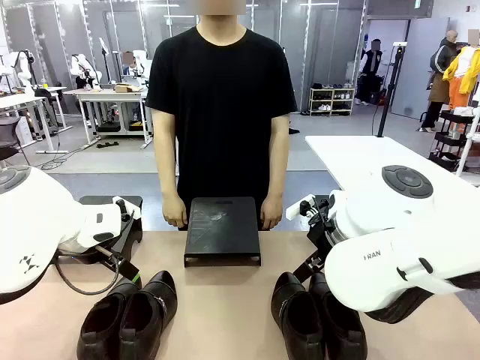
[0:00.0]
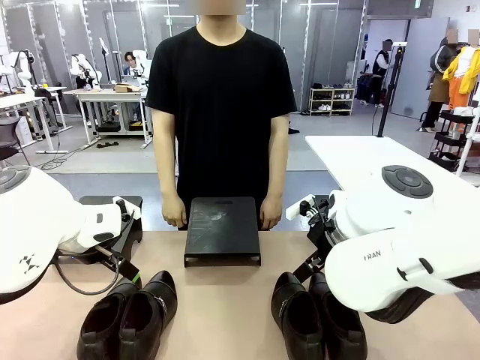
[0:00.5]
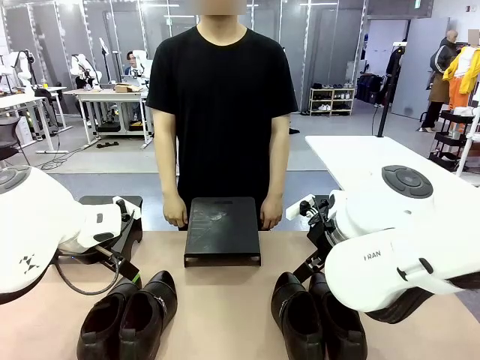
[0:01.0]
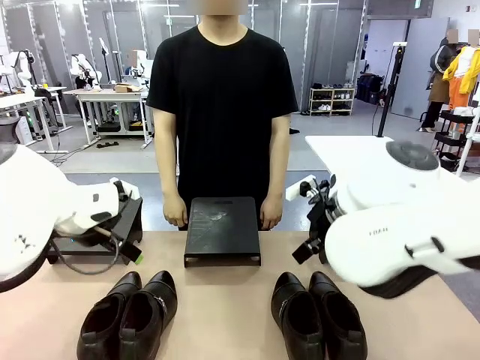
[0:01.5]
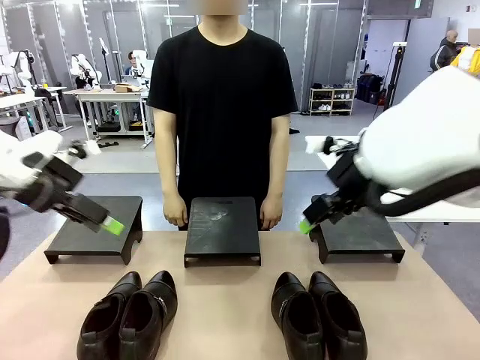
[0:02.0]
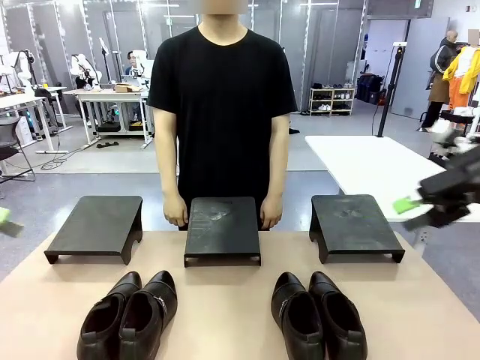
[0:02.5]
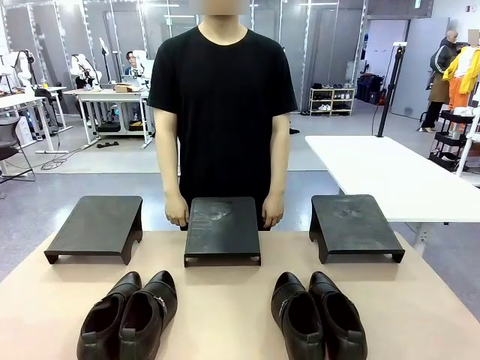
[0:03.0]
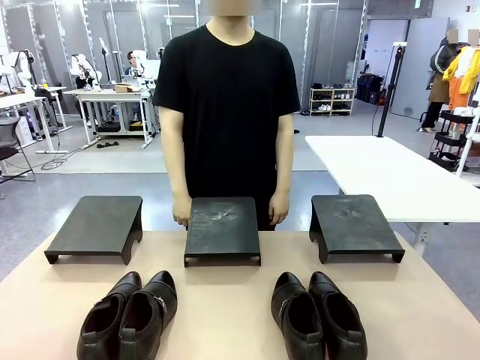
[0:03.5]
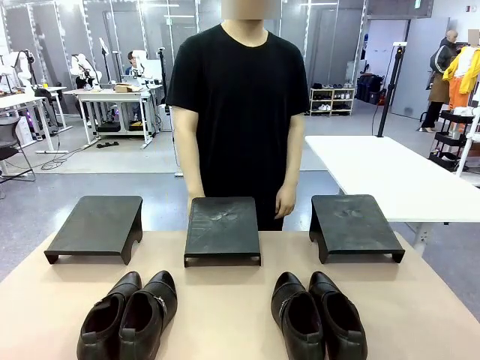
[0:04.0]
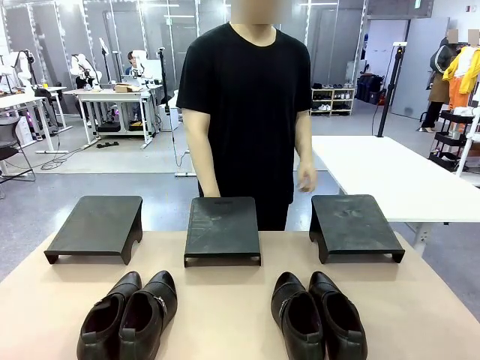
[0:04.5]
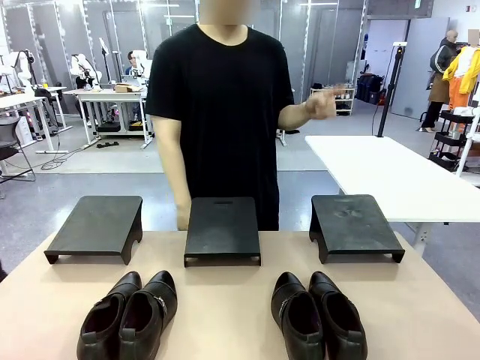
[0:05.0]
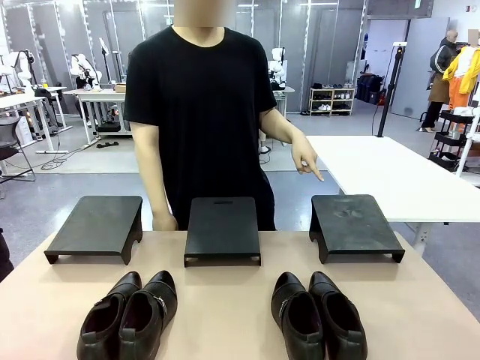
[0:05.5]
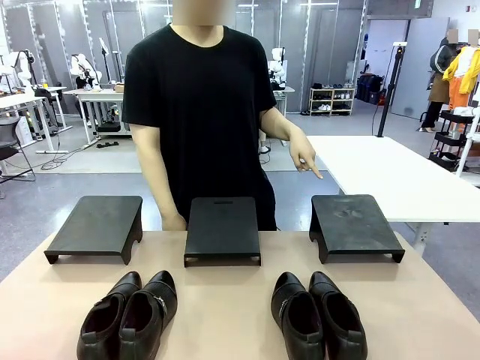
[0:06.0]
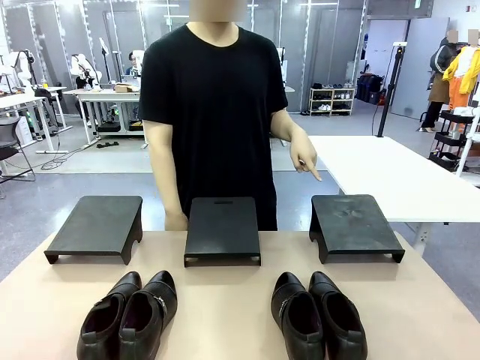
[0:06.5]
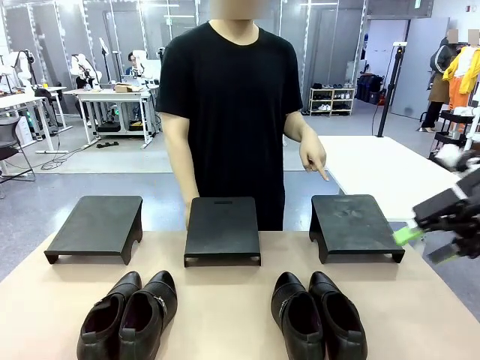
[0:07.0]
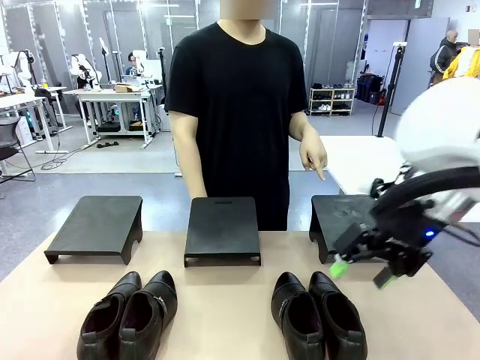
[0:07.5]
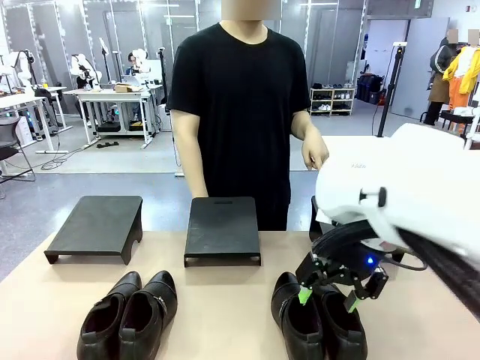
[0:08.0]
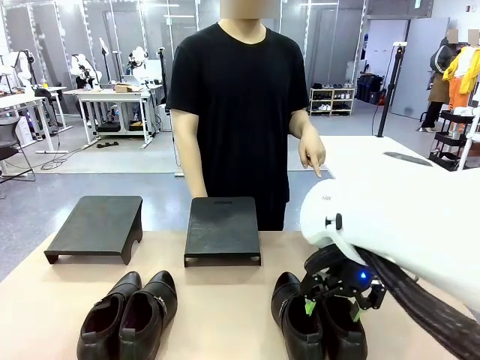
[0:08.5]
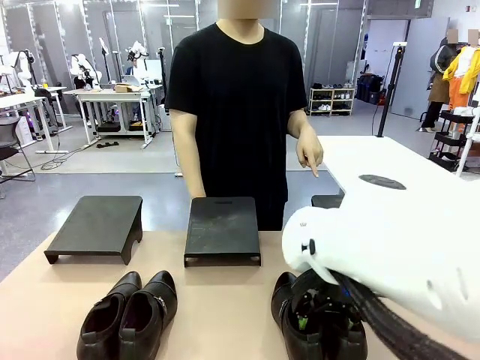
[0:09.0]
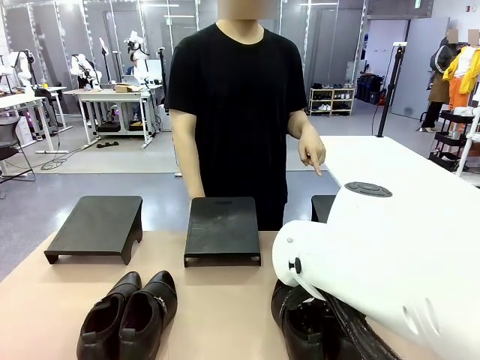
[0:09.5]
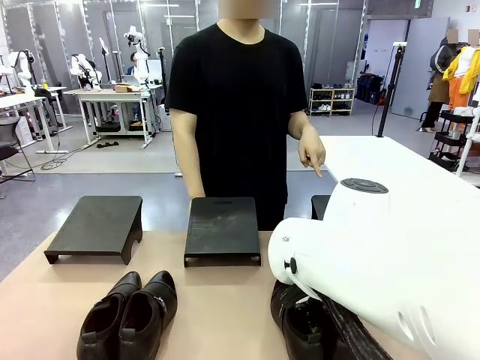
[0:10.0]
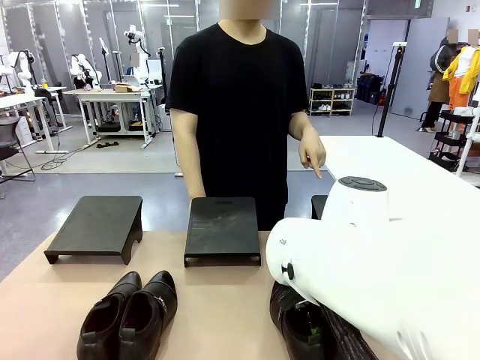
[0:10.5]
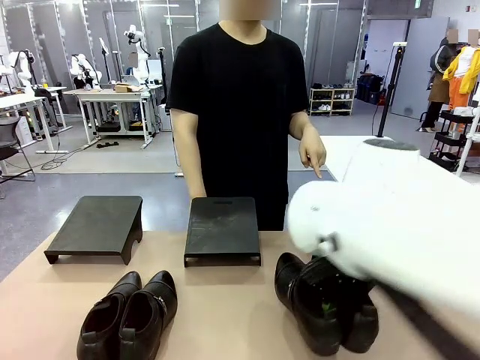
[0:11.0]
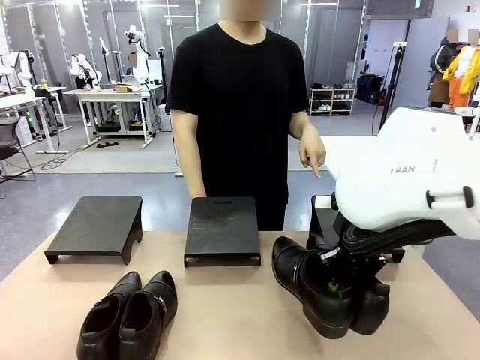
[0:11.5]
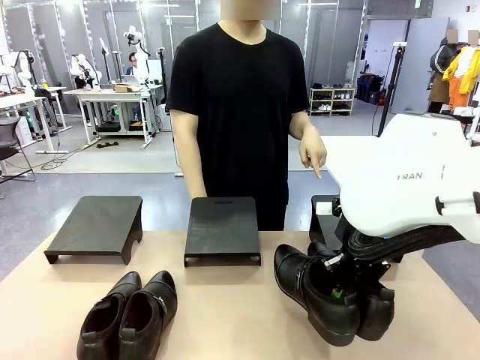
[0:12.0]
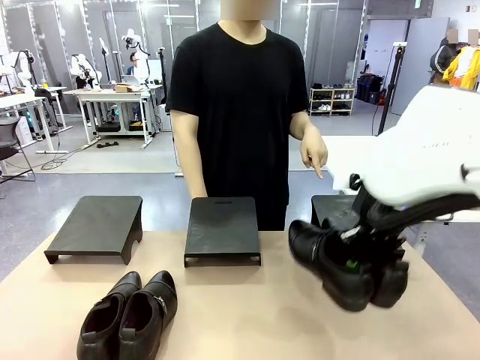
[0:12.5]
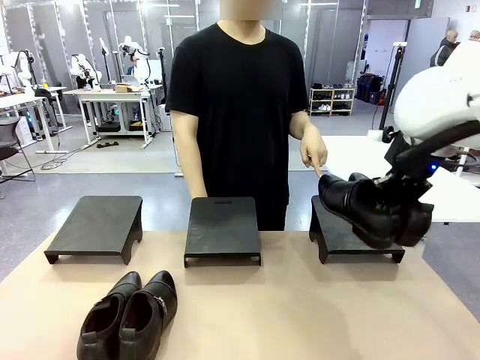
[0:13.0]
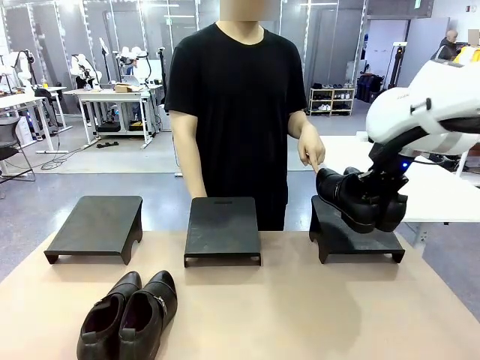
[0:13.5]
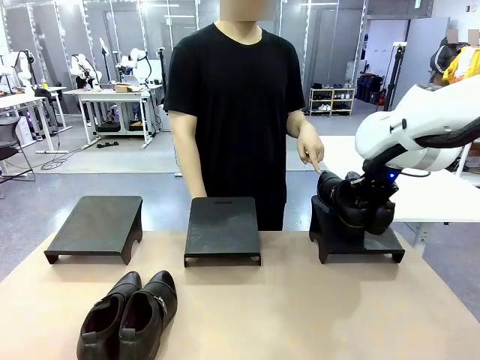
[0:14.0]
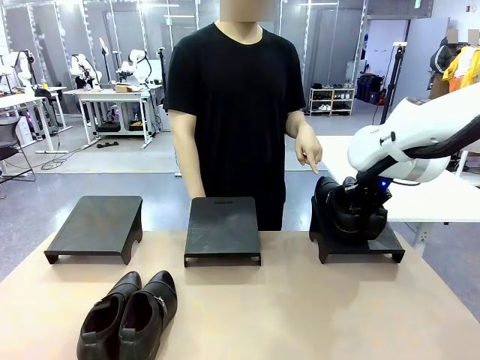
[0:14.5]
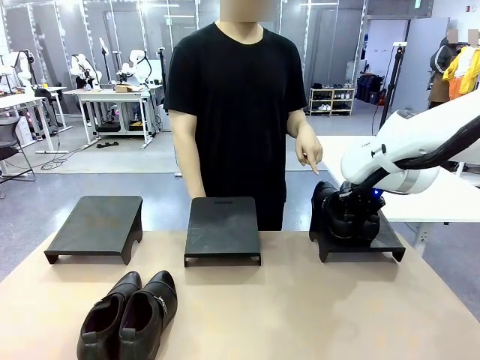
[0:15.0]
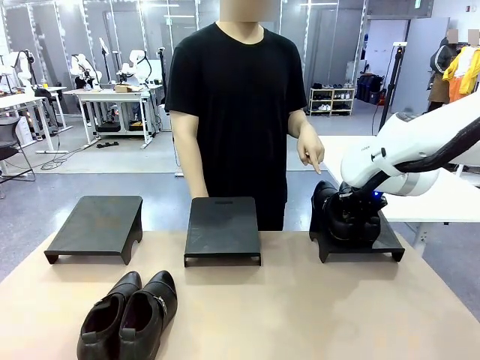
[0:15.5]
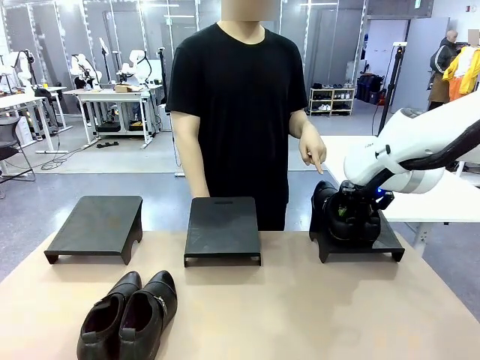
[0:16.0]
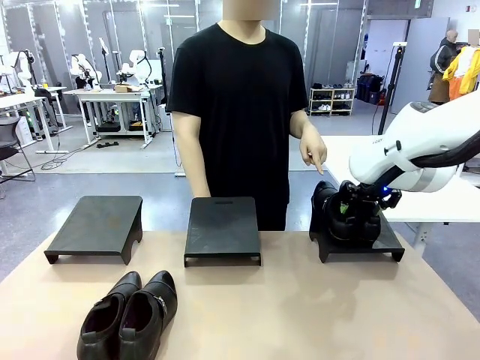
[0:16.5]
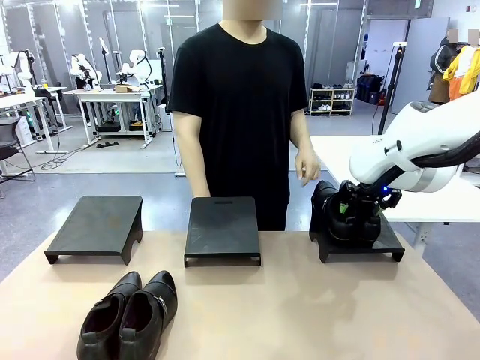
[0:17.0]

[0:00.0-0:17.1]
Task: Place the shoes on the stand as instructed by the person.
Robot: Pick up one pair of Shoes and place it on the Shoes Stand indicated by the person.
